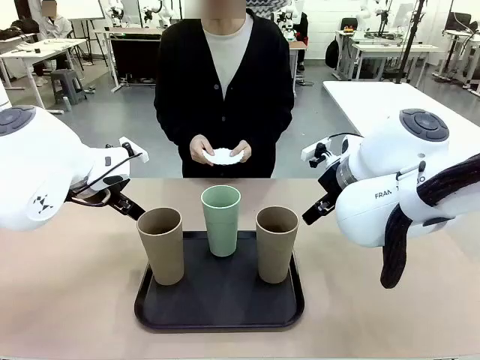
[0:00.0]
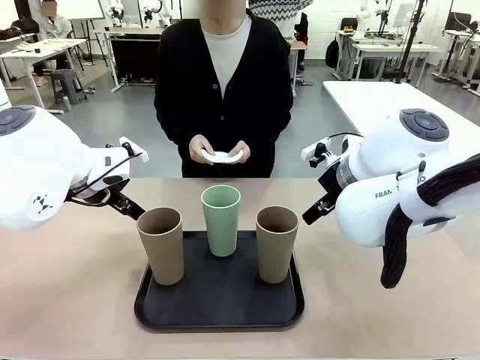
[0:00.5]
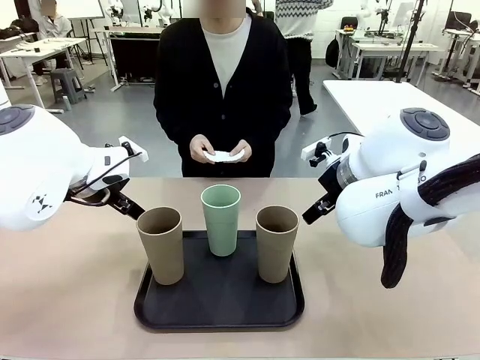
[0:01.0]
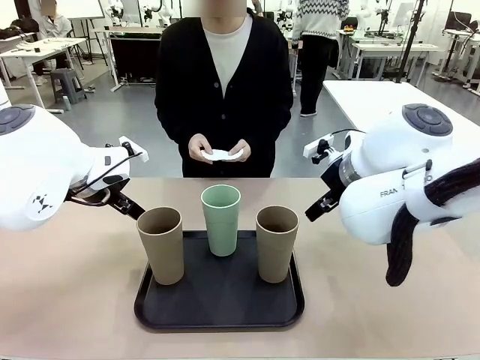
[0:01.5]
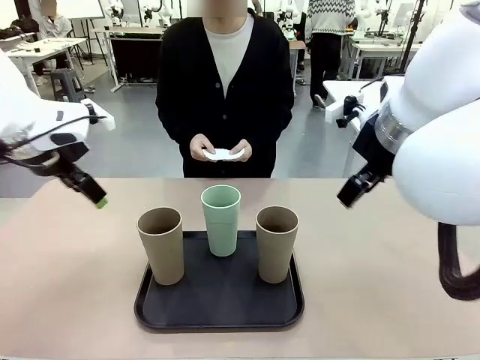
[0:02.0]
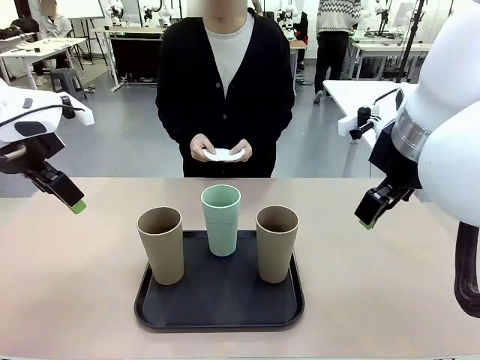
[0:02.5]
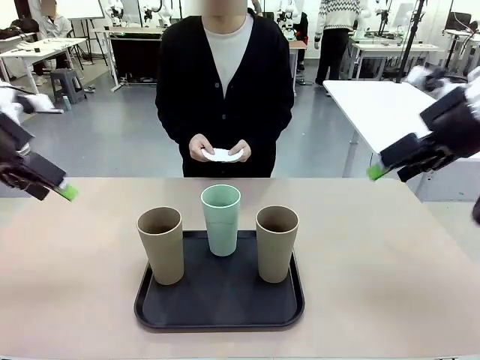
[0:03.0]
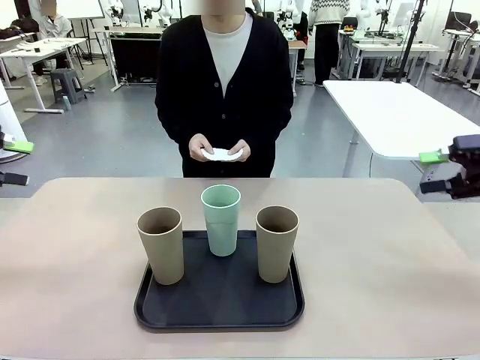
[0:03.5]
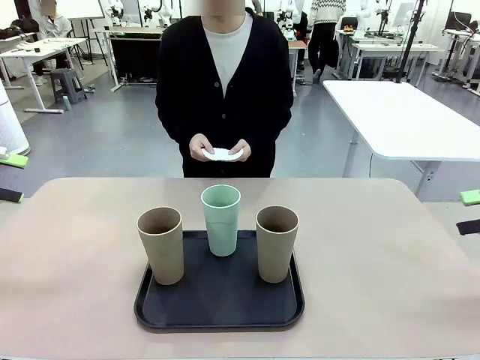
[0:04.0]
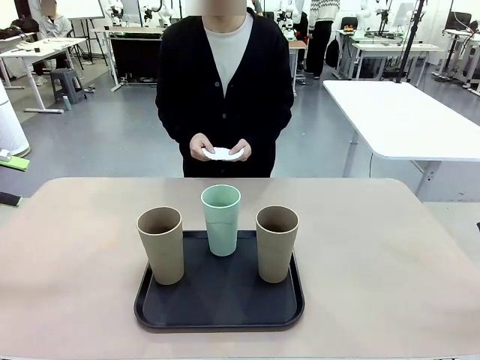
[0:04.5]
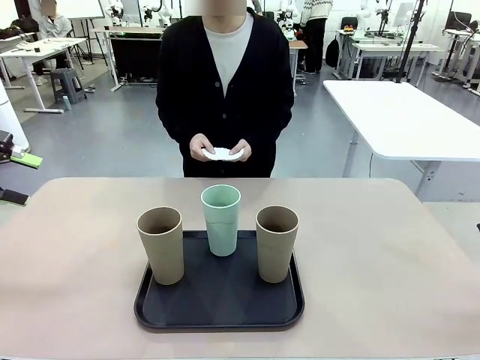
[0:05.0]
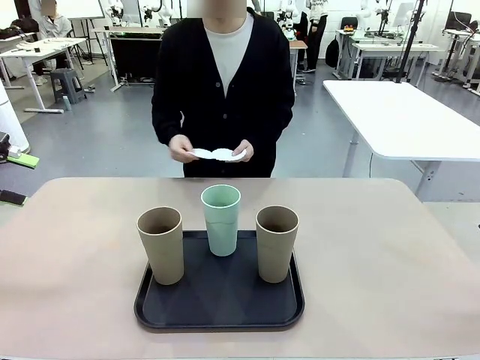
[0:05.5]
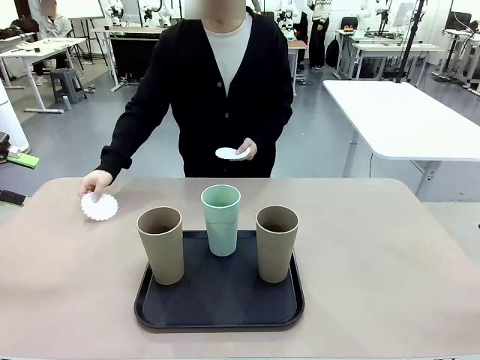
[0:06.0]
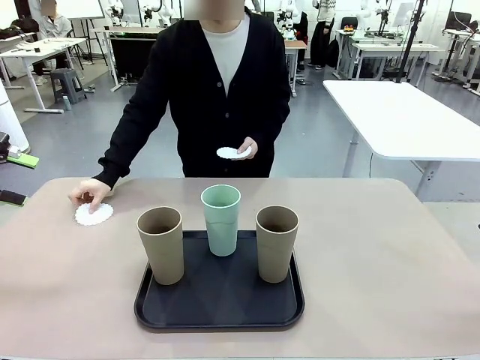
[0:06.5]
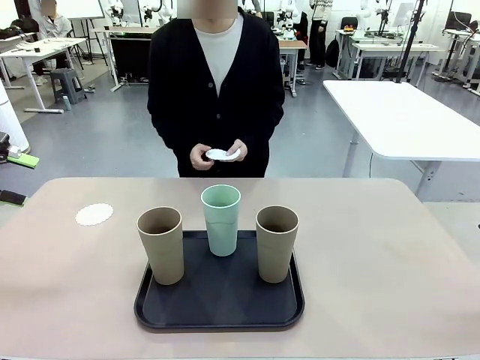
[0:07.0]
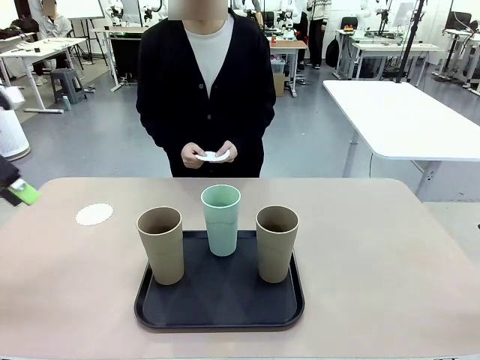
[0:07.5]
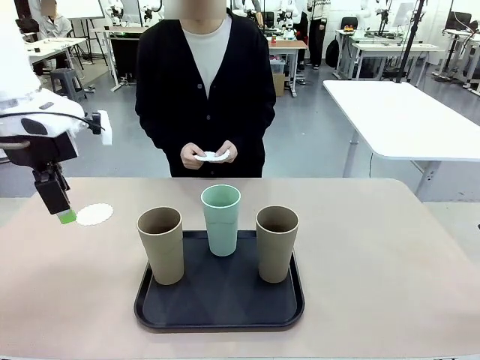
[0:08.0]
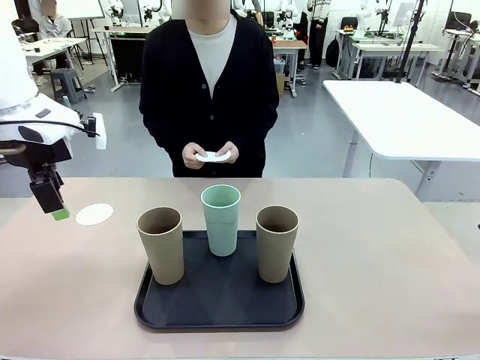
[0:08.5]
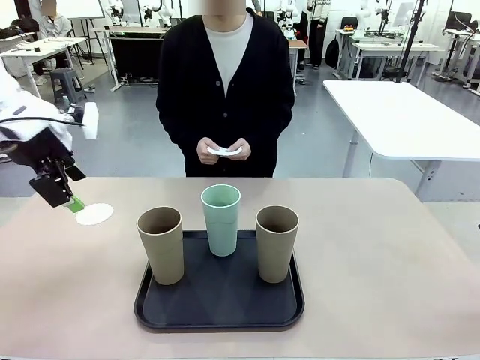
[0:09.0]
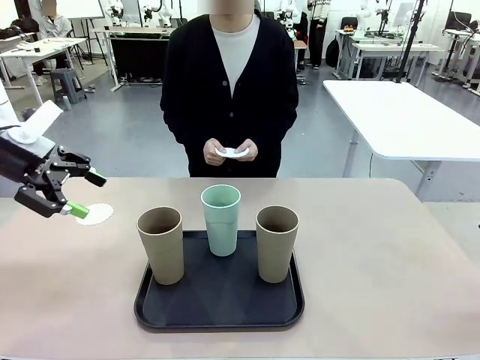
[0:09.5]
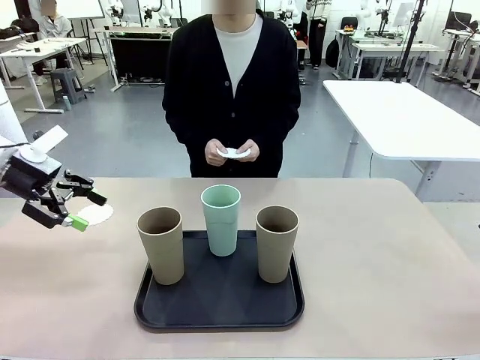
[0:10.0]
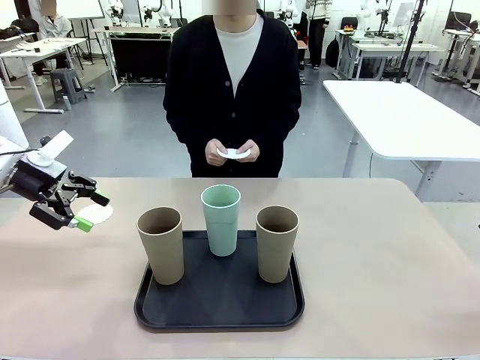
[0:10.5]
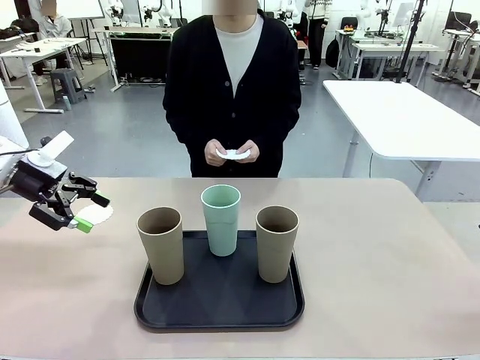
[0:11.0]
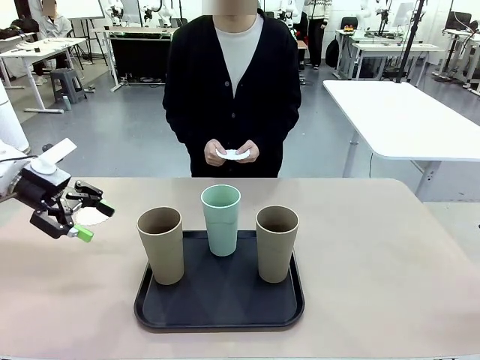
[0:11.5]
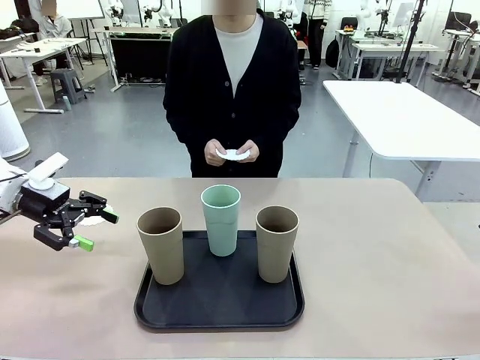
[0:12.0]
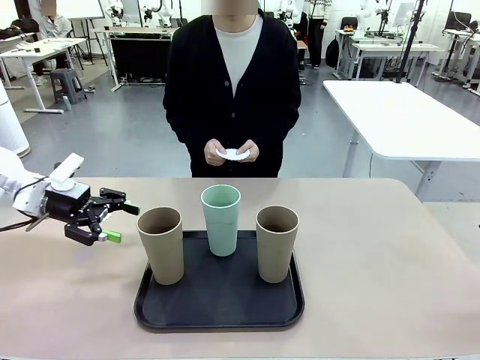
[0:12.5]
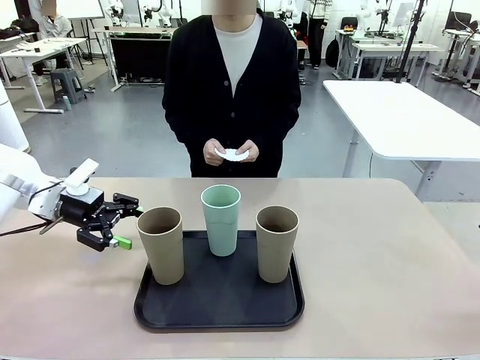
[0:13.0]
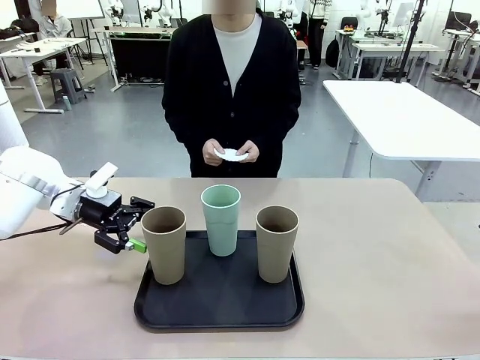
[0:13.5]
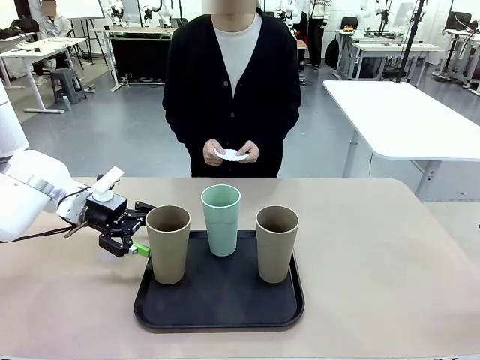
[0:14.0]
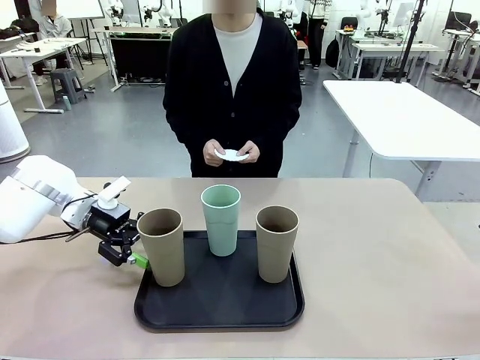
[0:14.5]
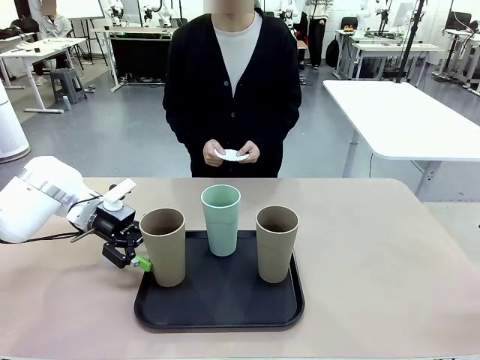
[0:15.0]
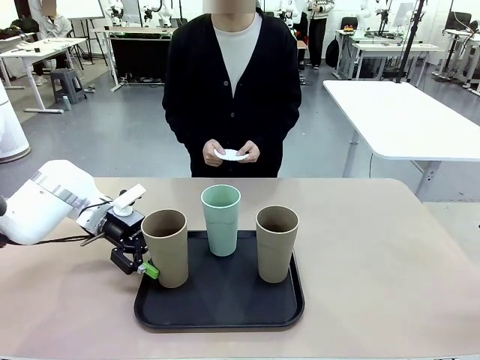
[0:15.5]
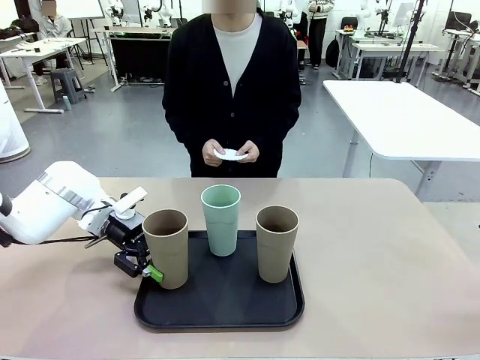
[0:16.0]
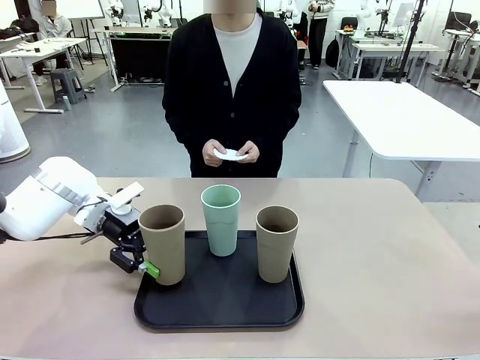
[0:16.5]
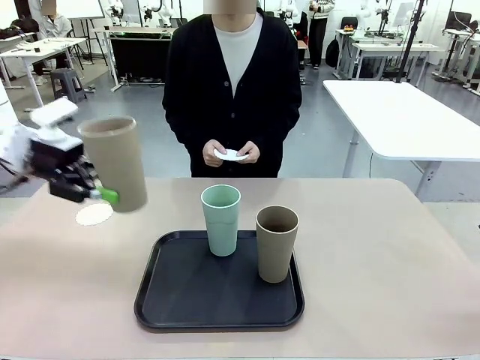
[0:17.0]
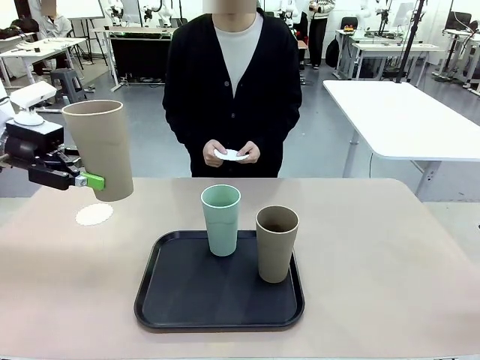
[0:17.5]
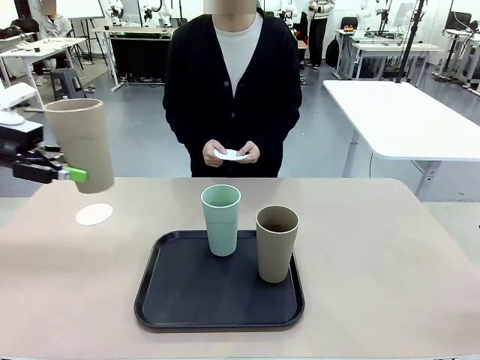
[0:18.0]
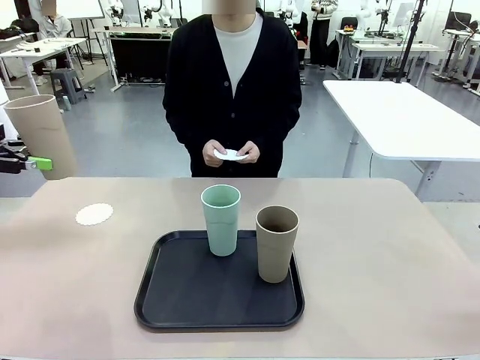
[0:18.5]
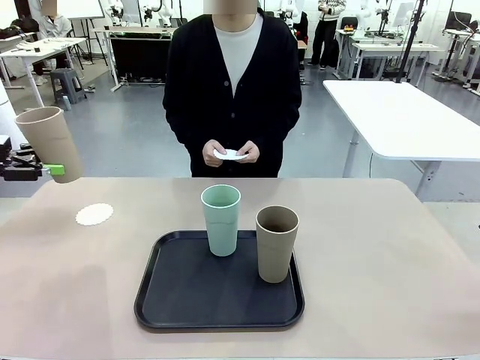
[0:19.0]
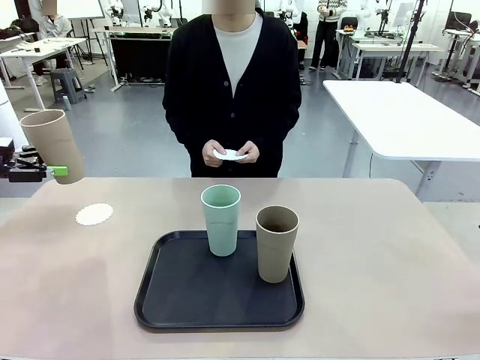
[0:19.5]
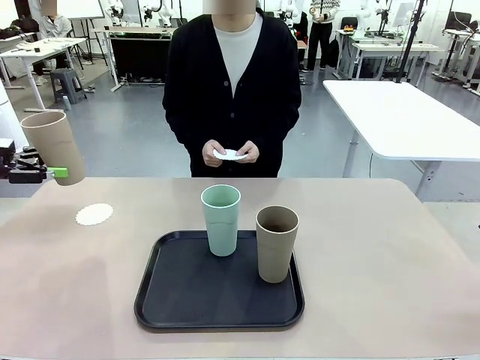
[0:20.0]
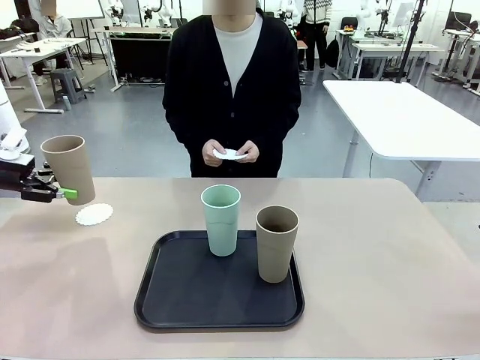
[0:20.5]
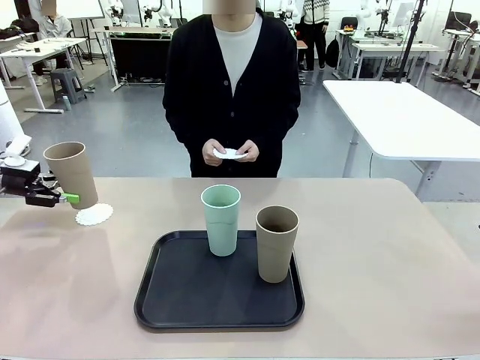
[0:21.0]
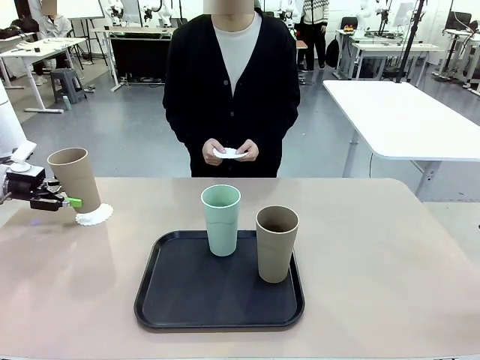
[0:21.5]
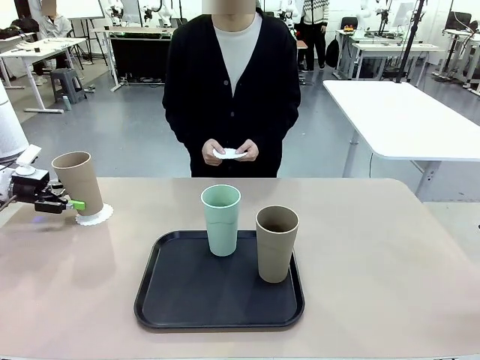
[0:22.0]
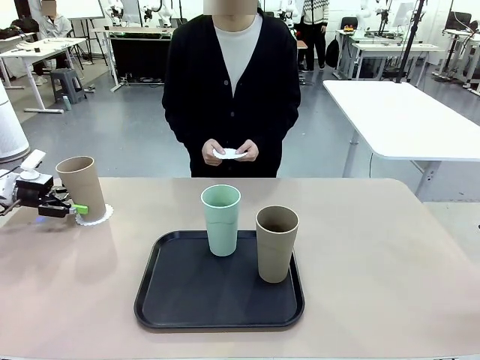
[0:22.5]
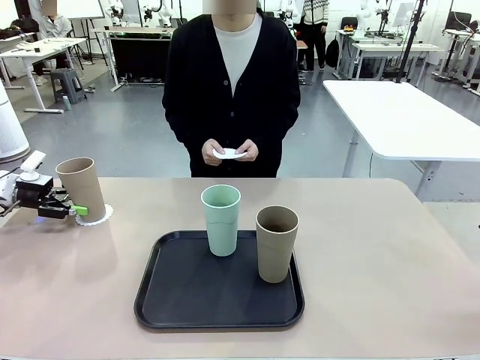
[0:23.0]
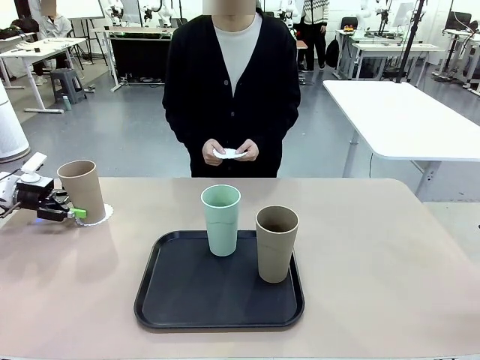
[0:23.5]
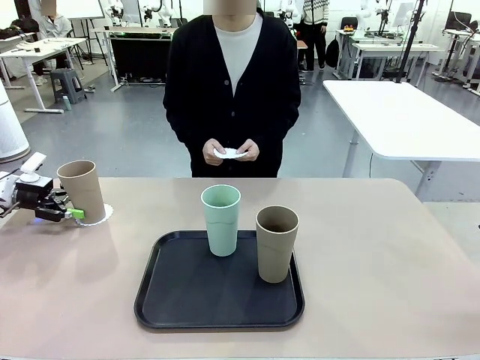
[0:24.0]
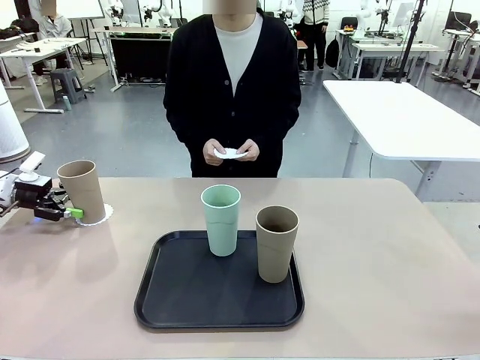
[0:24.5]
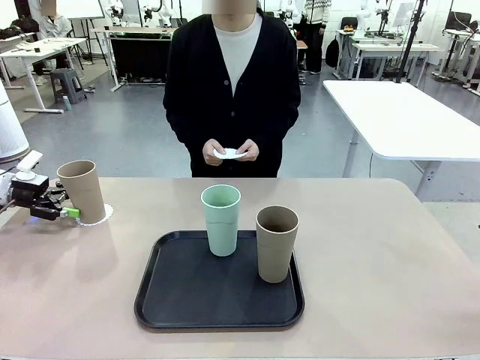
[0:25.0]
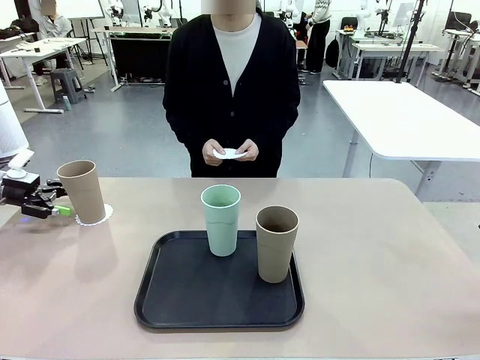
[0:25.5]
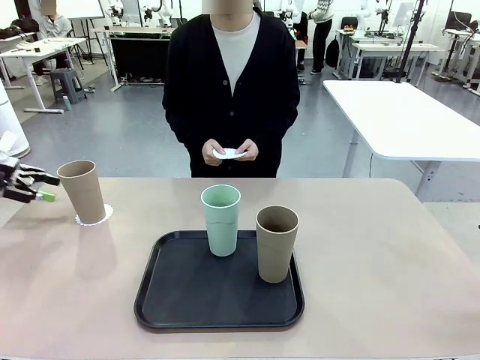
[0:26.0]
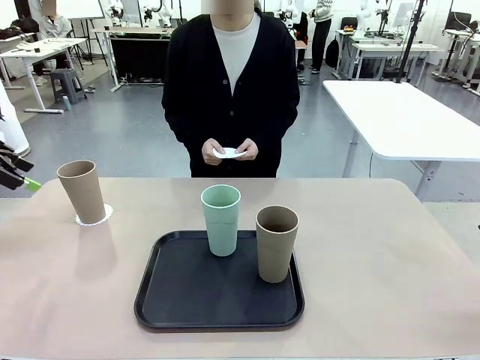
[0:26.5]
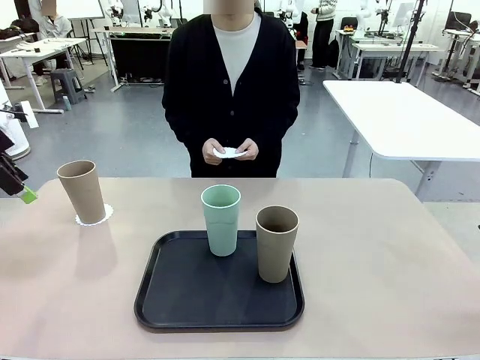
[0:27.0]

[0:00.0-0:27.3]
Task: Place coasters on the table and set cups on them.
Robot: Pick up one Reusable plastic cup and place it on a coaster set by the human.
Person: Place one coaster in any one of the three lower areas of the robot table (left, center, or right). Place one coaster in one of the two areas excluding the previously selected area.
